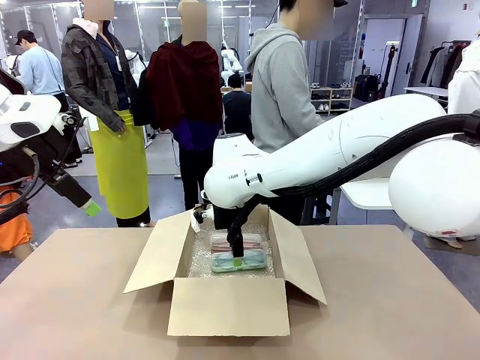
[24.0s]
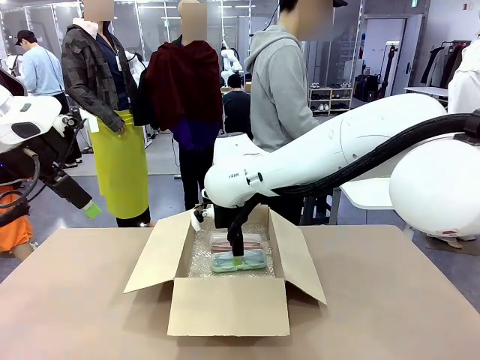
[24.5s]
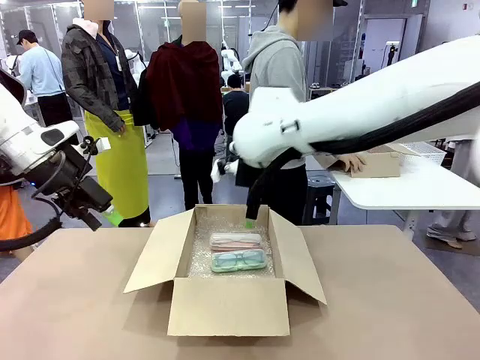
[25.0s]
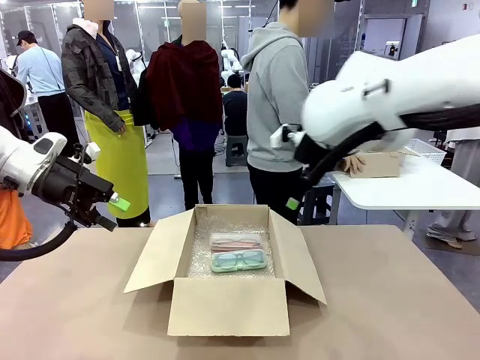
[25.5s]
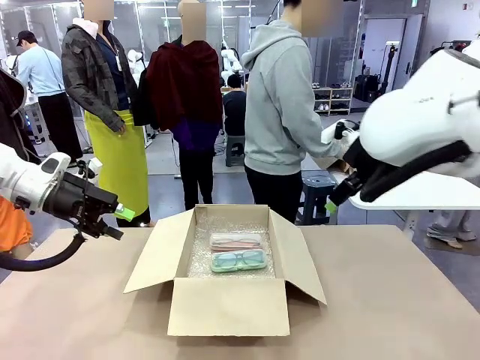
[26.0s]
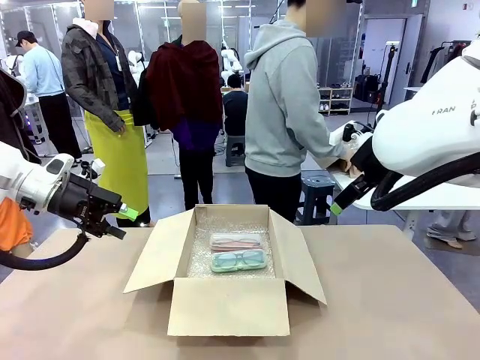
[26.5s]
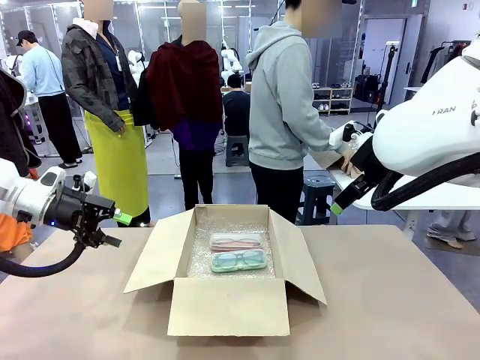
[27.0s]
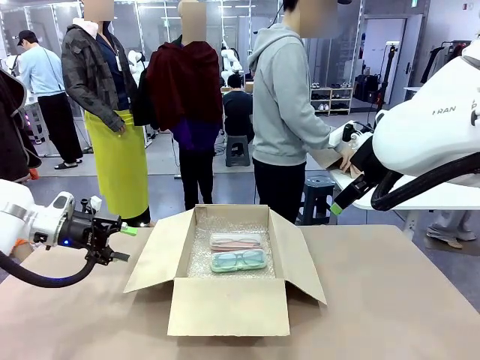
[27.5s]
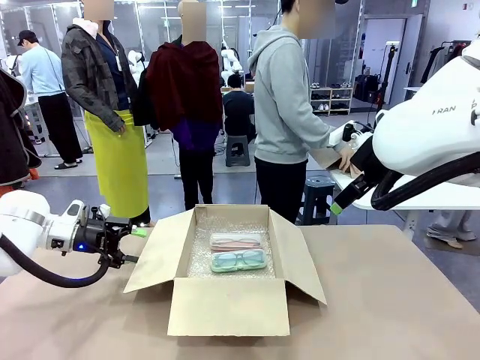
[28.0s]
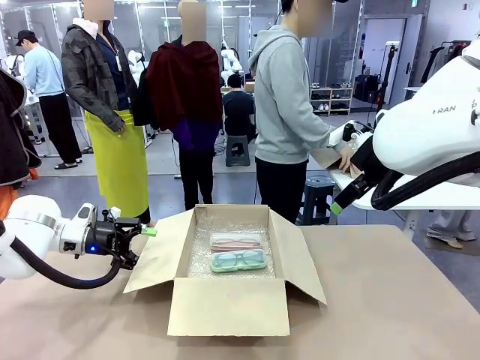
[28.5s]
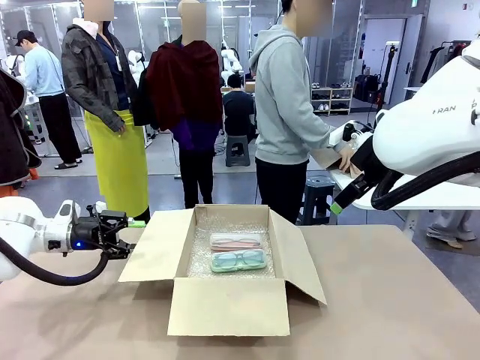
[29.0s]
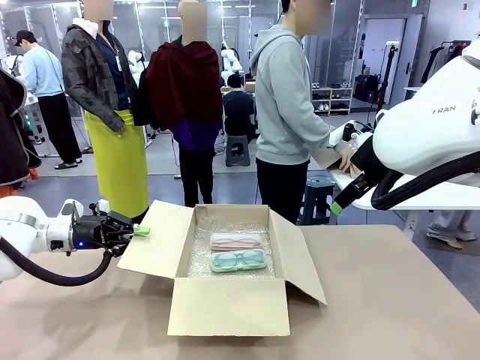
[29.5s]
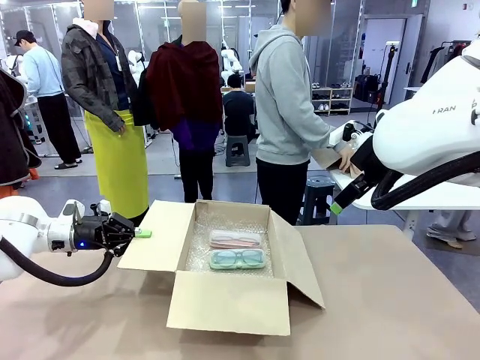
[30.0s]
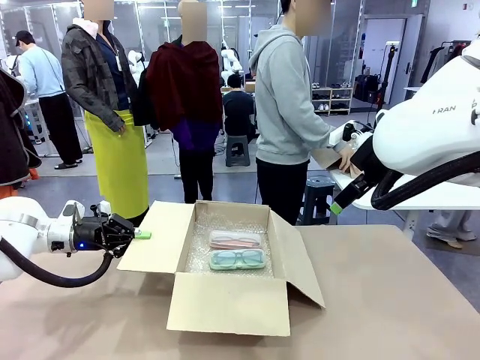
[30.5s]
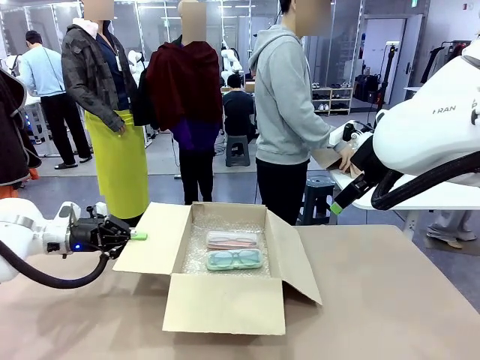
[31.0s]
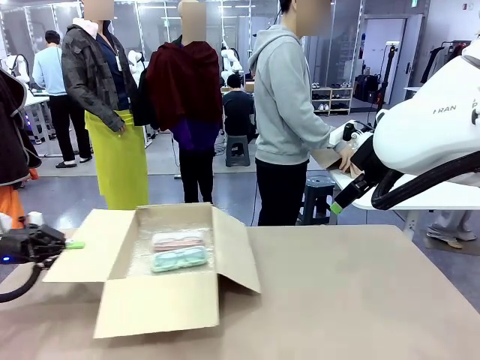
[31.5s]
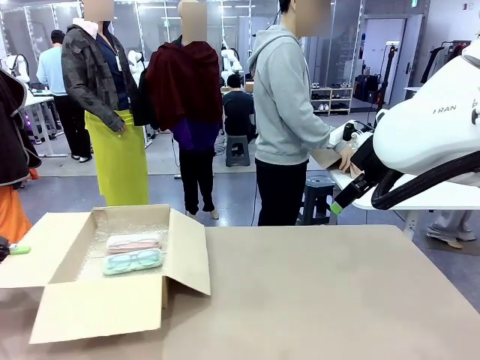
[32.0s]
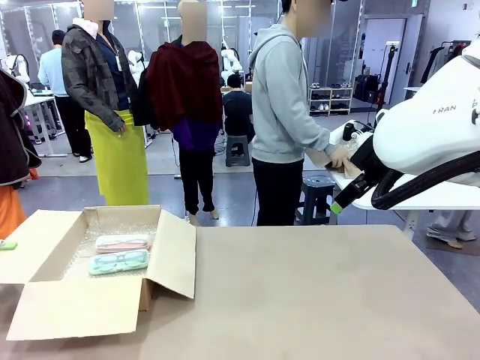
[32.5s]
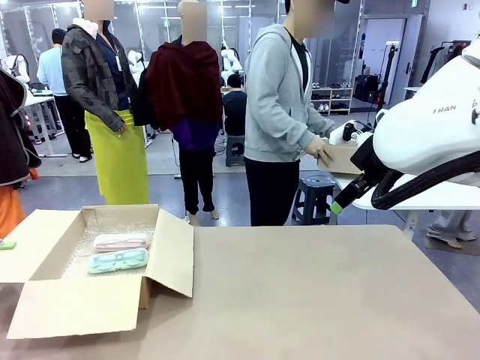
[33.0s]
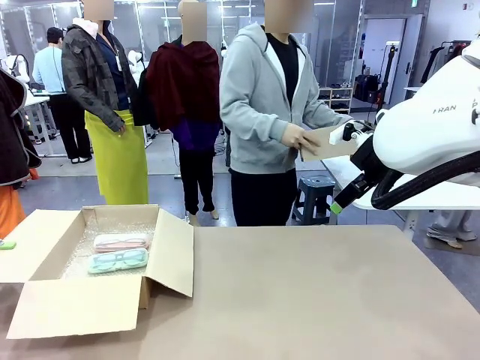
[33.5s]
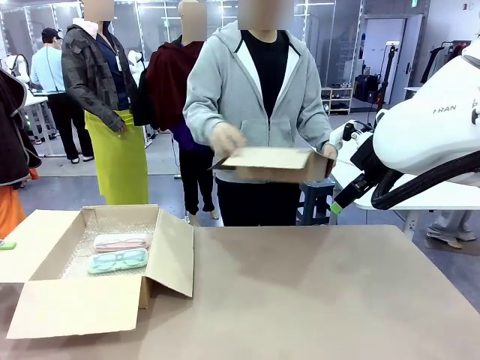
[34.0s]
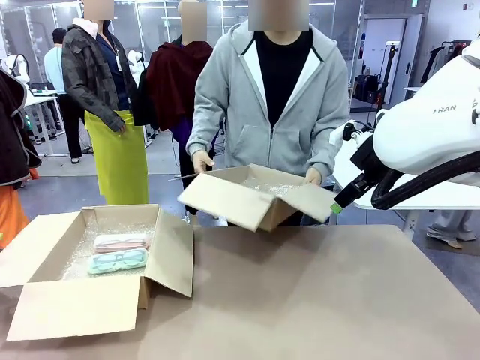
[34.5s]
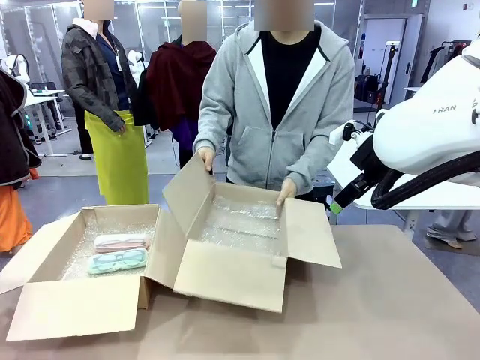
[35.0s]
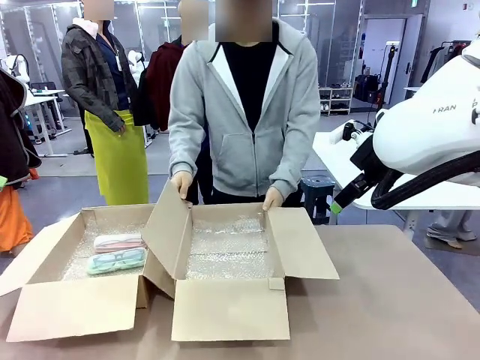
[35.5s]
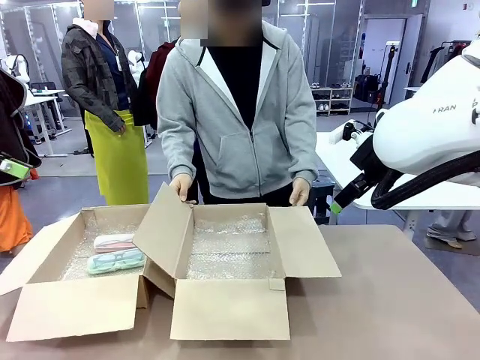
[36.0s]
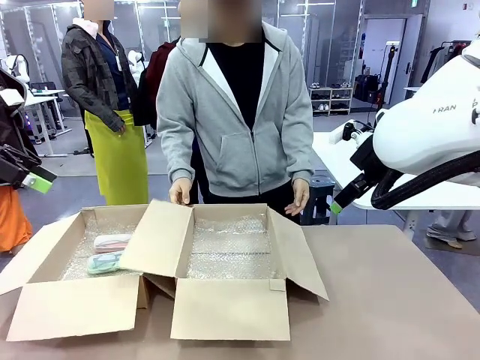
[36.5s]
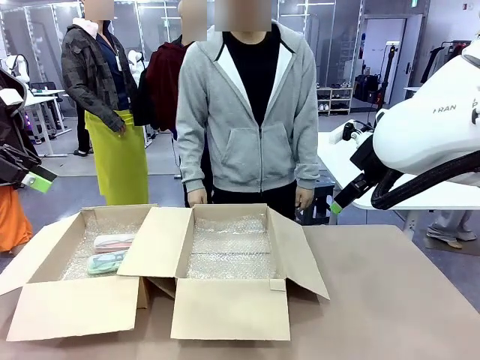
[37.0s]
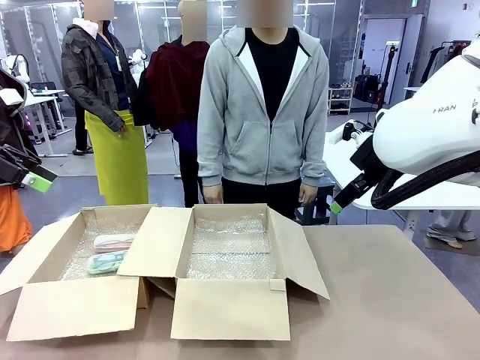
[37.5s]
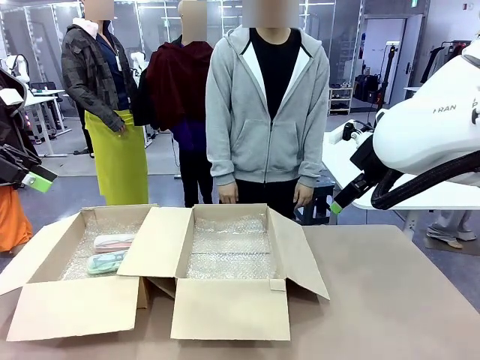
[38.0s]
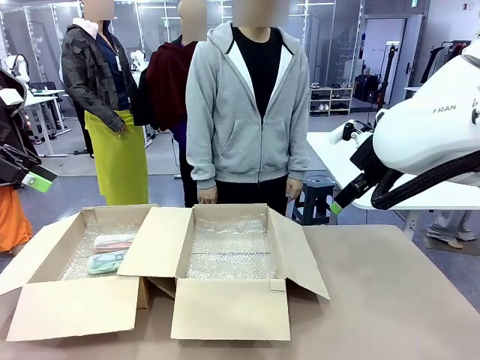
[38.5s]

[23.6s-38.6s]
Task: Pack the glasses set securely to prepare it for shipping.
Robot: Position the Package Box on the left side of the table.
Person: Position the empty Package Box in the middle of the robot's table.

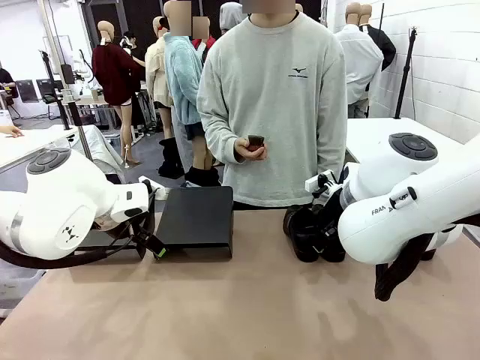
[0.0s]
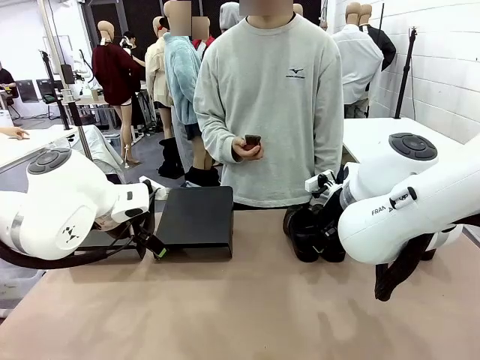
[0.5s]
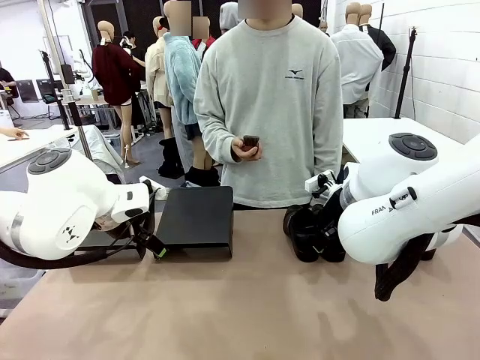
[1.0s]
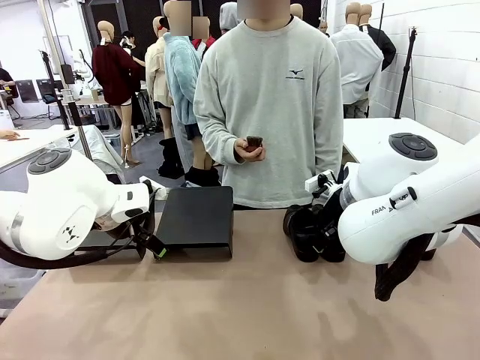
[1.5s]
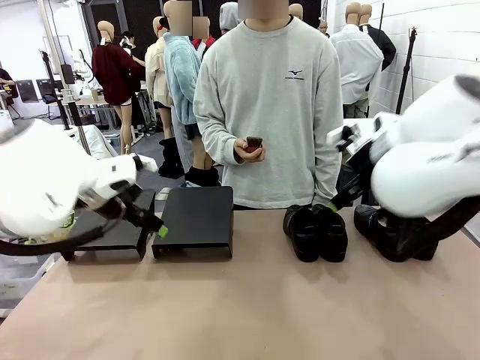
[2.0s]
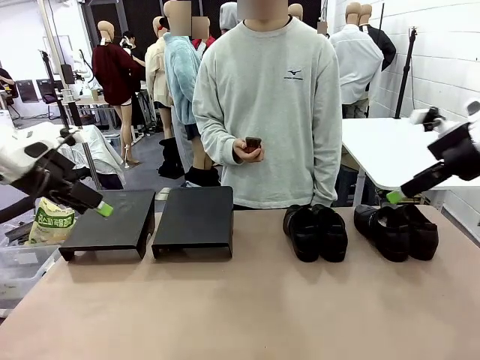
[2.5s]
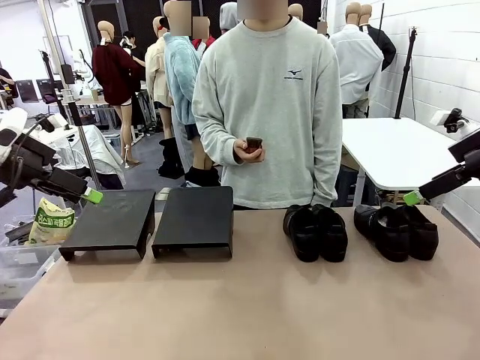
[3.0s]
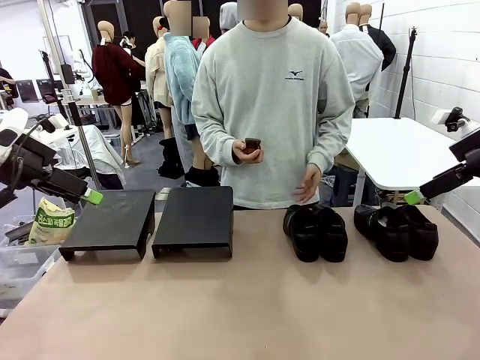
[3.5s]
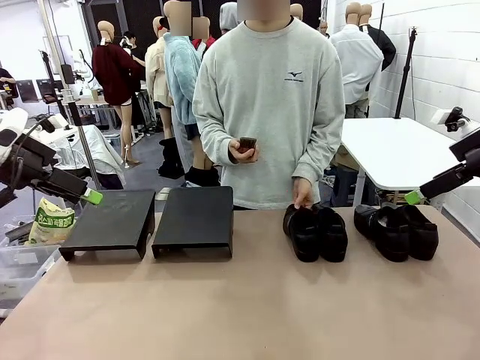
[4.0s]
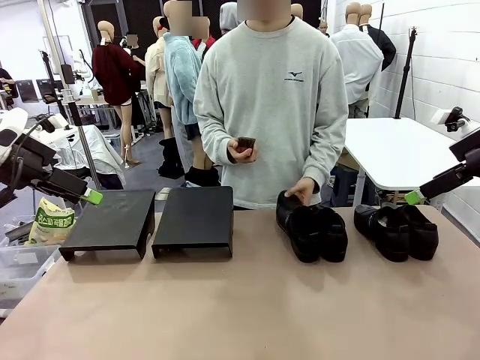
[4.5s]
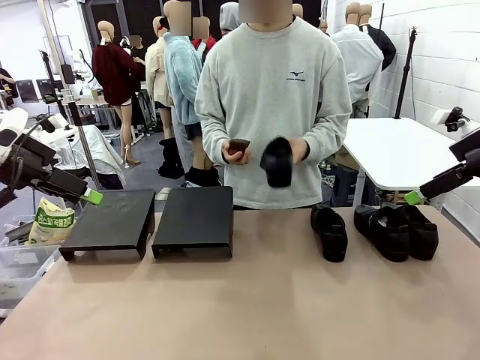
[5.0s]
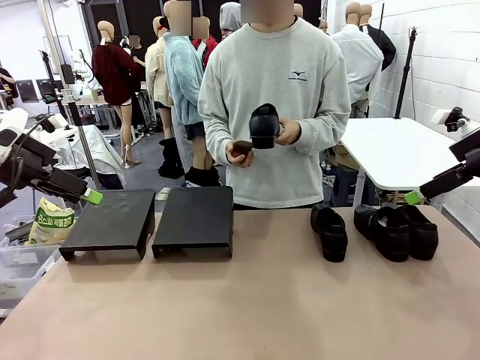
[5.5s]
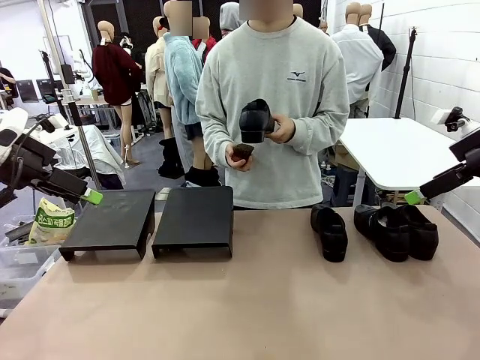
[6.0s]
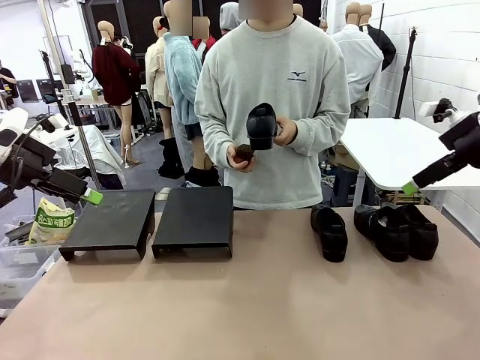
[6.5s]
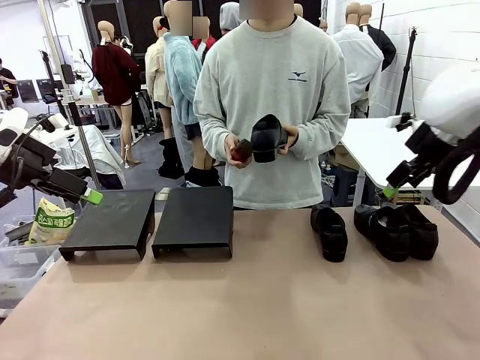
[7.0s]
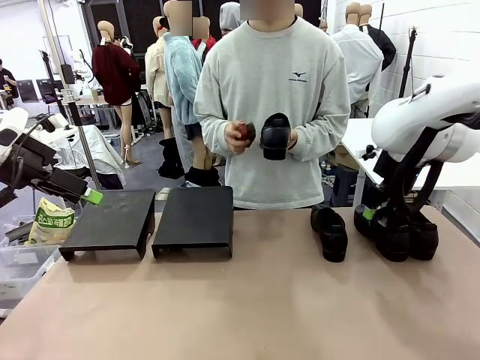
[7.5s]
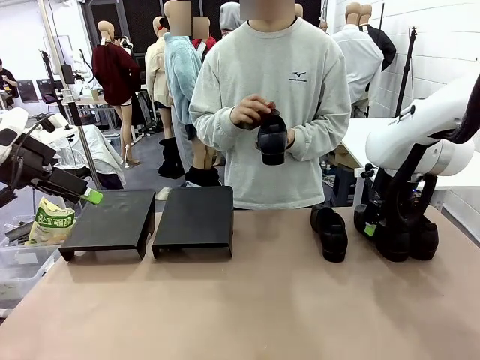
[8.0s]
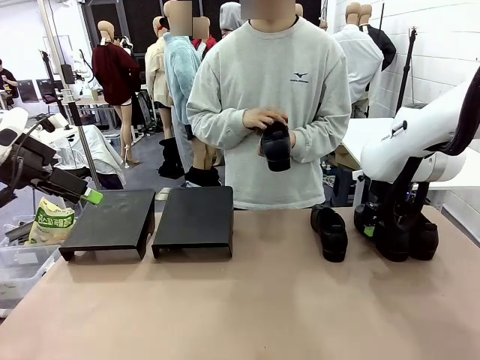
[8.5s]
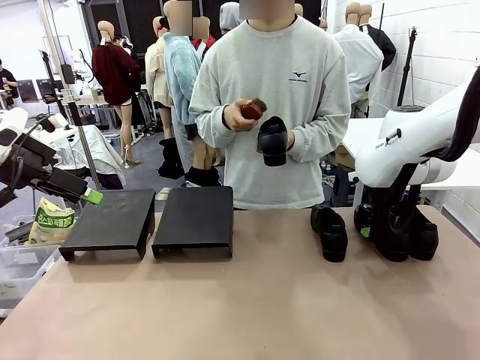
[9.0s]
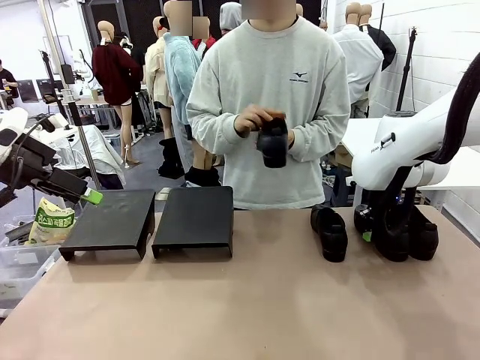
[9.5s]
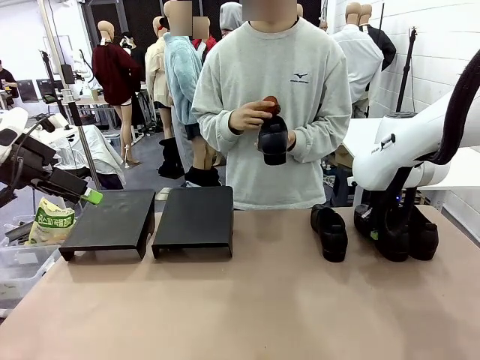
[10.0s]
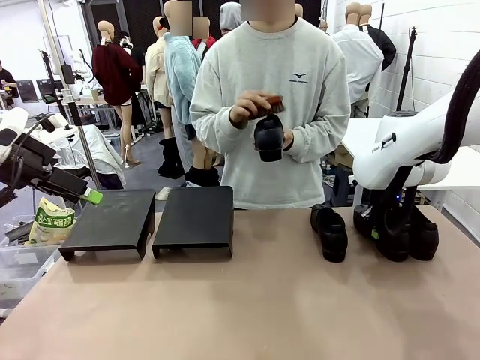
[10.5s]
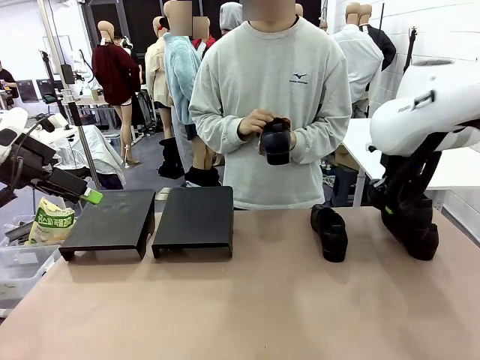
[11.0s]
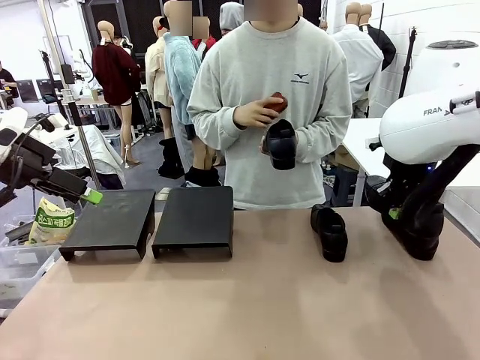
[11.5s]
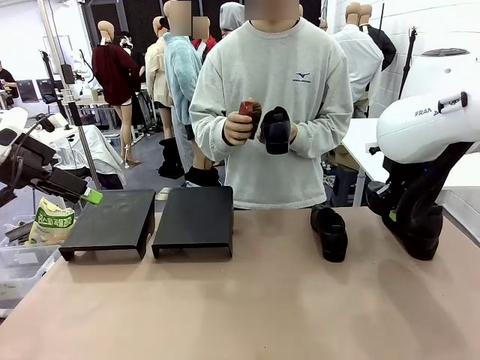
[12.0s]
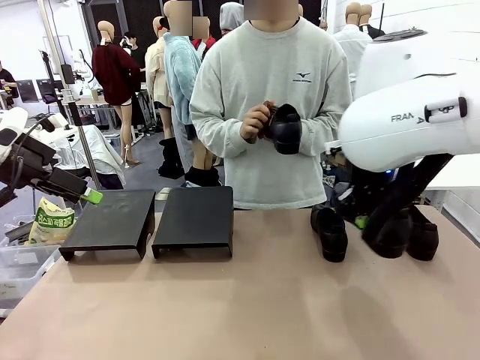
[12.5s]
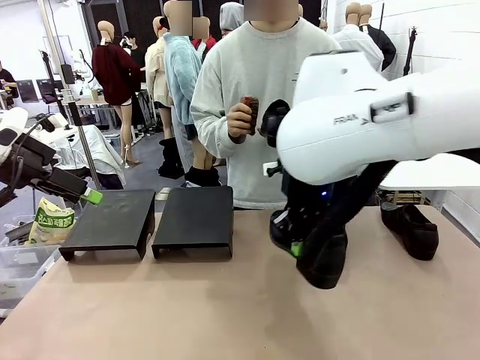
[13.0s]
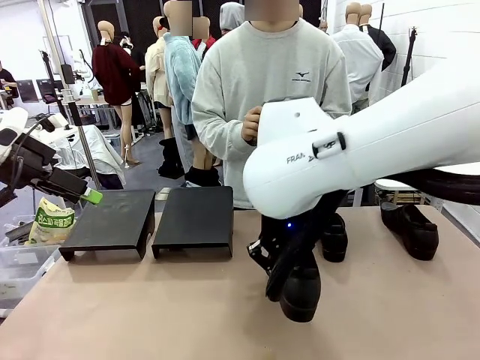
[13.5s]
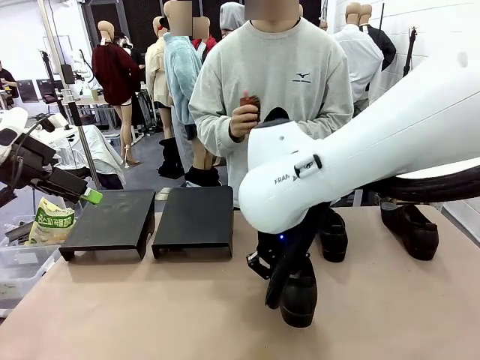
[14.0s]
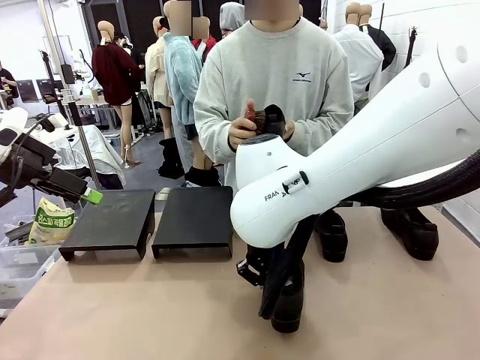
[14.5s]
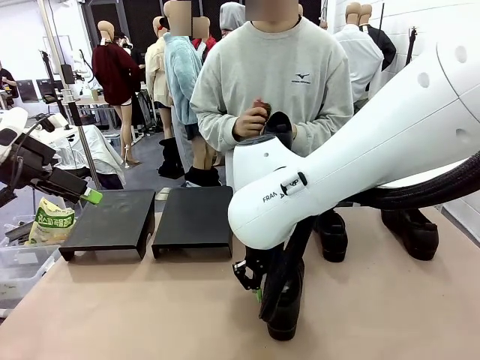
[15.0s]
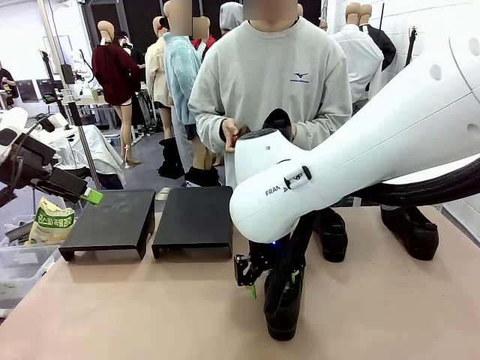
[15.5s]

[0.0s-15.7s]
Task: Organize the shoes by placing them on the stand.
Robot: Pick up one Shoe and place it in the middle of the table.
Person: Pick one Shoe on Robot's table.
